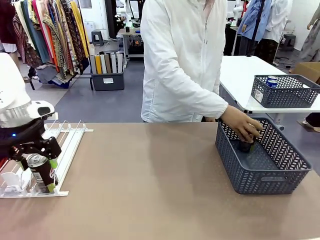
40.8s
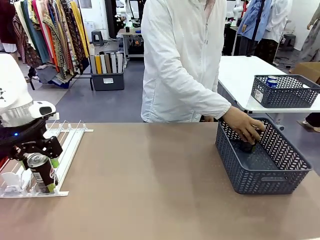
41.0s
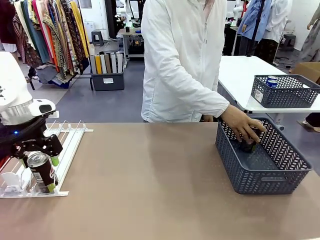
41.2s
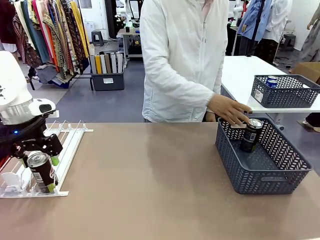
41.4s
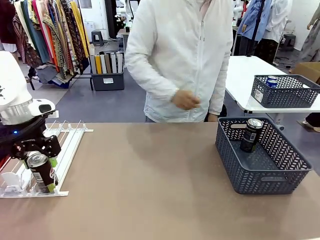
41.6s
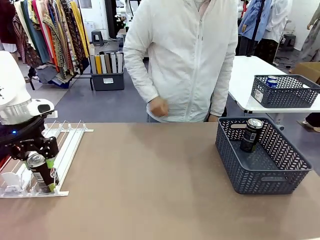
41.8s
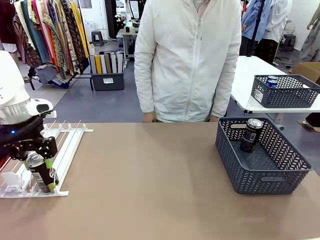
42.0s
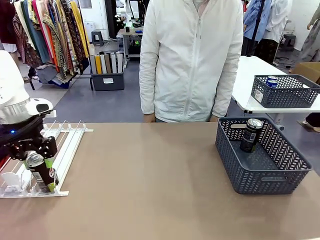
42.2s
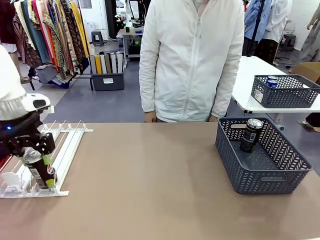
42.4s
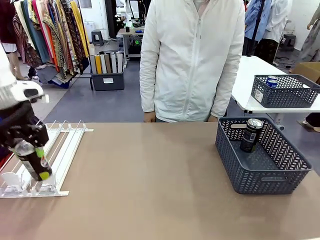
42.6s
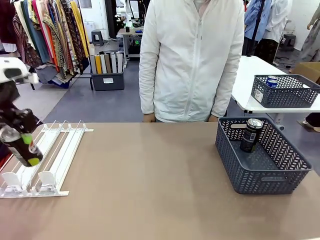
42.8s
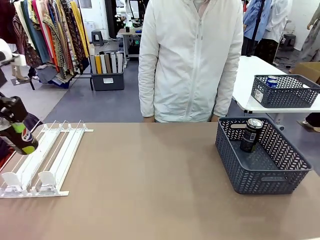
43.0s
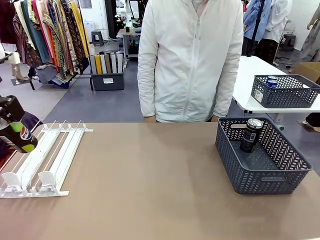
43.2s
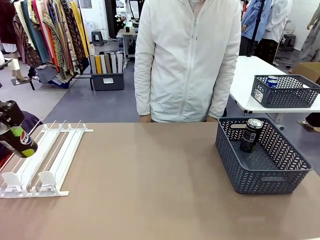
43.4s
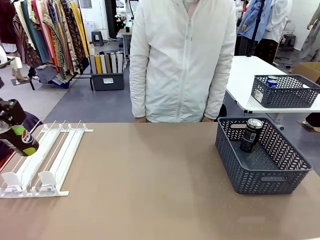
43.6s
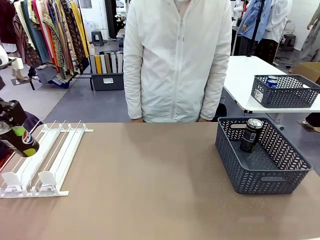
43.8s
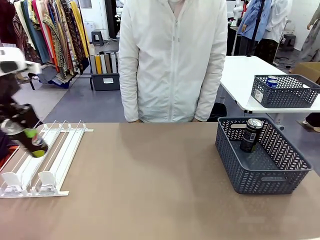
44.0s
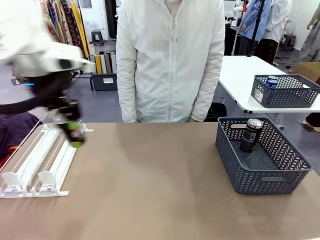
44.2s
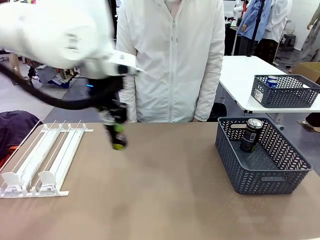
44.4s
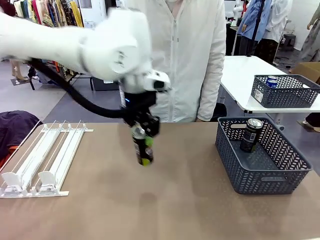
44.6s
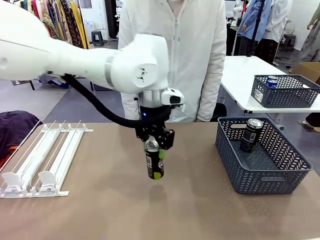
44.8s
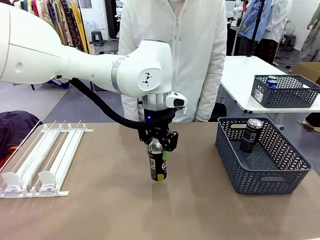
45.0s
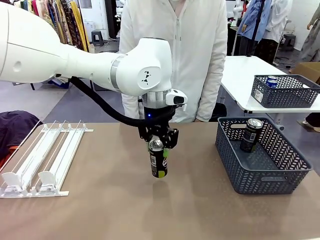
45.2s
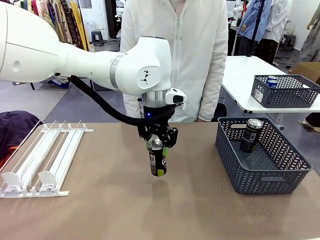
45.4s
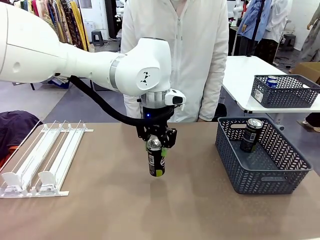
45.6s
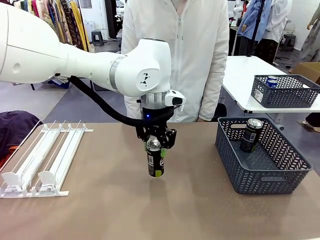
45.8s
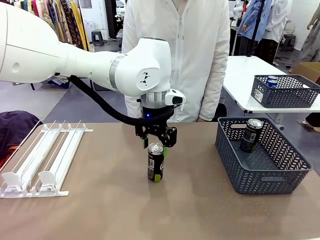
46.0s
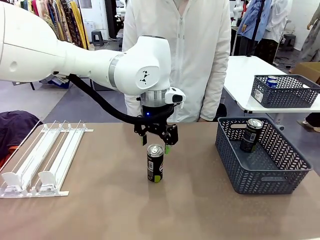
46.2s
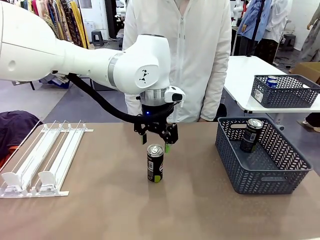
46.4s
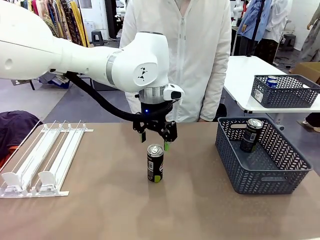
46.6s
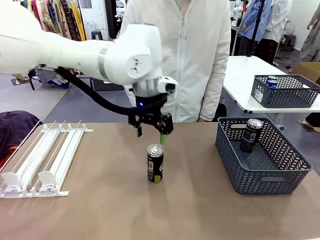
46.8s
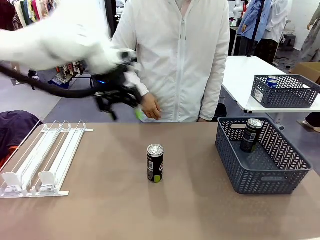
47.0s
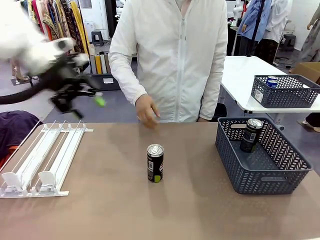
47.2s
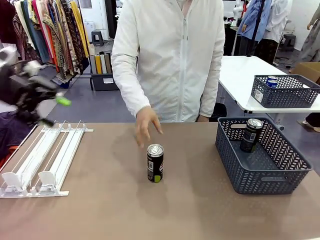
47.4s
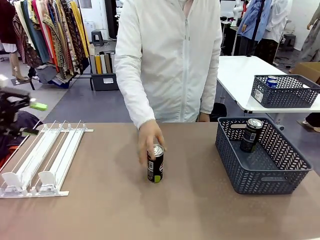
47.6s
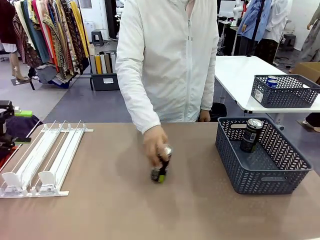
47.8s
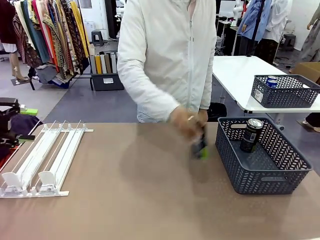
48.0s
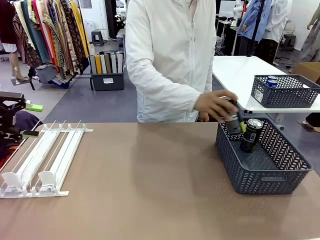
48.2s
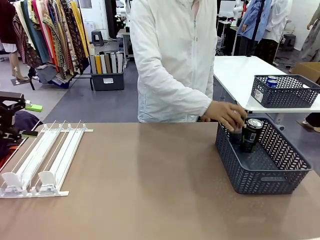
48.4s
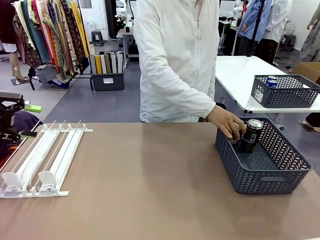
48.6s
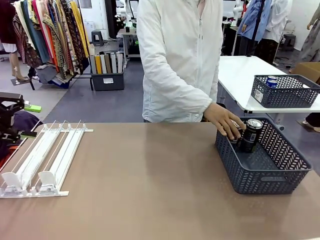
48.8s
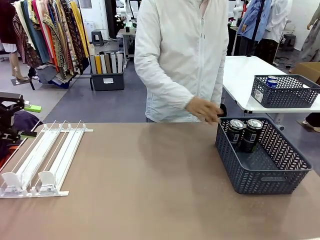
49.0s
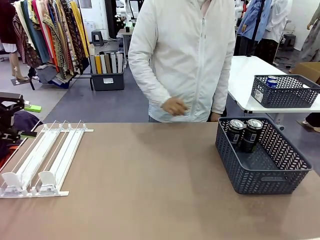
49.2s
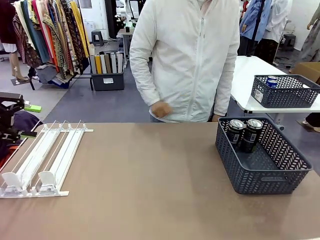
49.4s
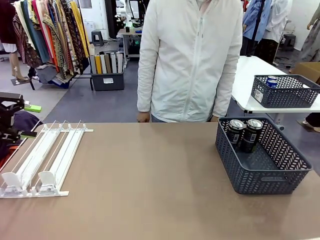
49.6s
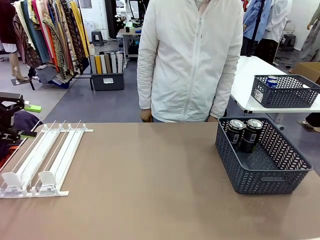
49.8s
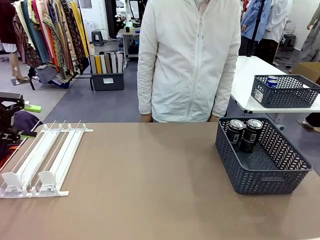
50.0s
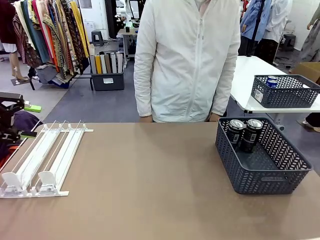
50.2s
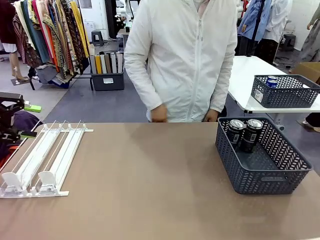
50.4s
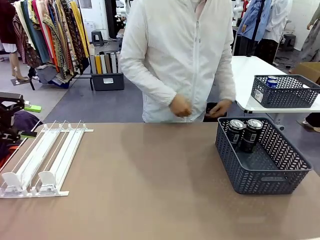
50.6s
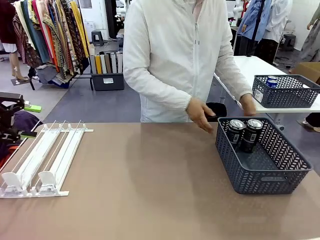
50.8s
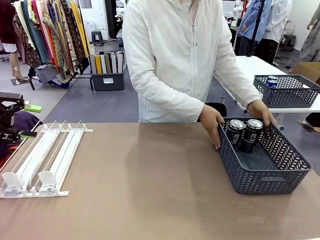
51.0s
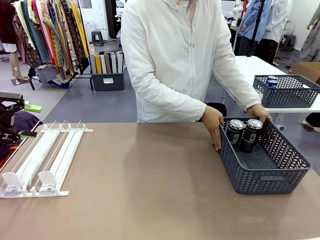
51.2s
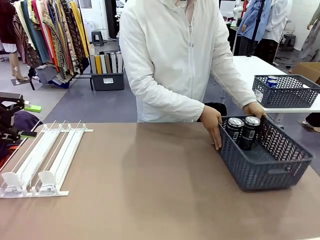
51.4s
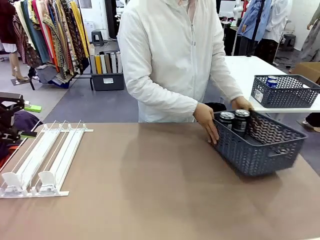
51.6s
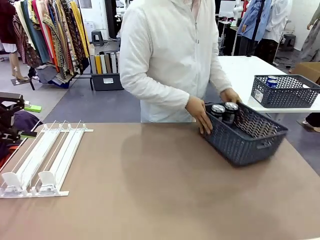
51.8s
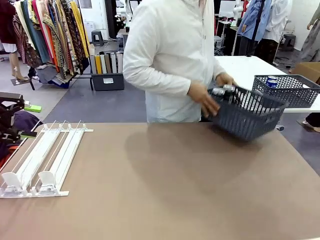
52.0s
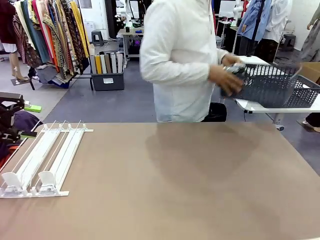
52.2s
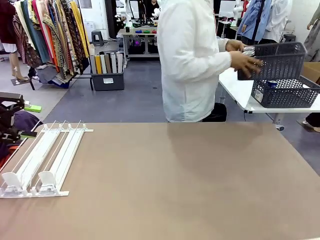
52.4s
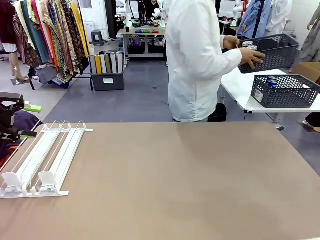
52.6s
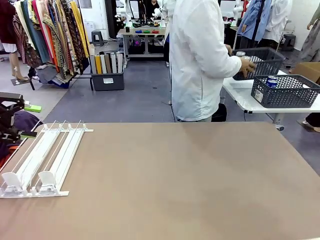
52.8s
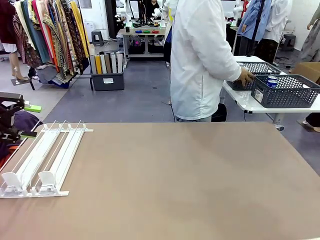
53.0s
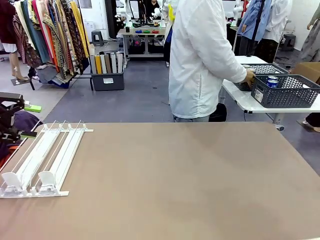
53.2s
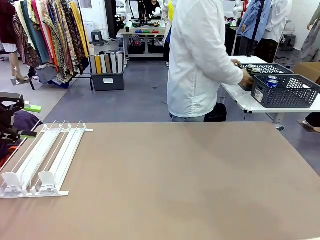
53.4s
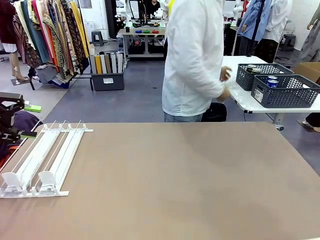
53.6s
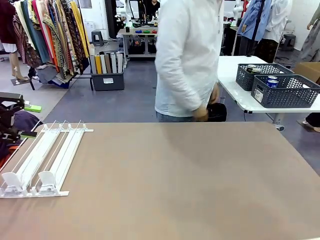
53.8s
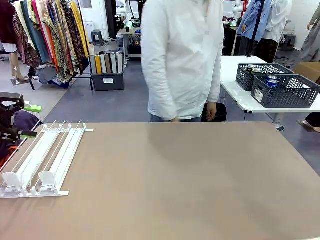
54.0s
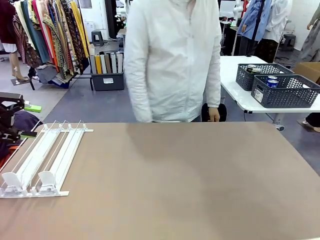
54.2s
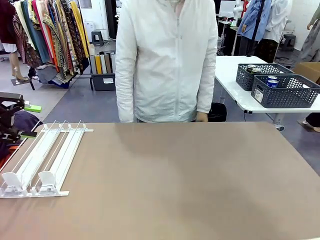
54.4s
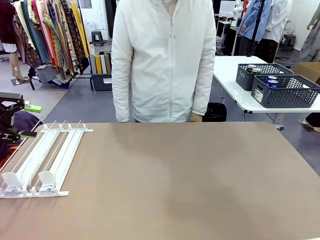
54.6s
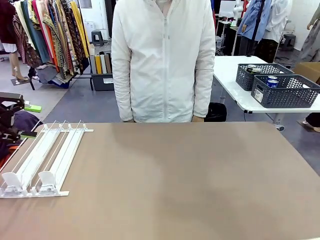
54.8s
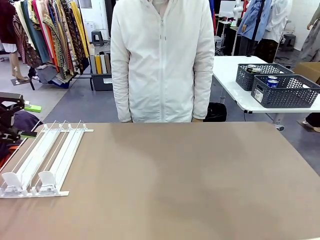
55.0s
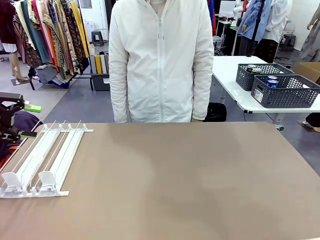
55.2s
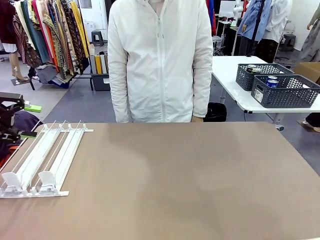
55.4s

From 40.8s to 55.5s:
Task: Retrieve and store the cans from the dispenser.
Robot: Pick up one can from the Automatic Can Dispenser and place it in the middle of the table.
Person: Pick up one sports drink can from the middle of the robot table and place it in the basket. Pick up the basket and place it in the middle of the human table.
